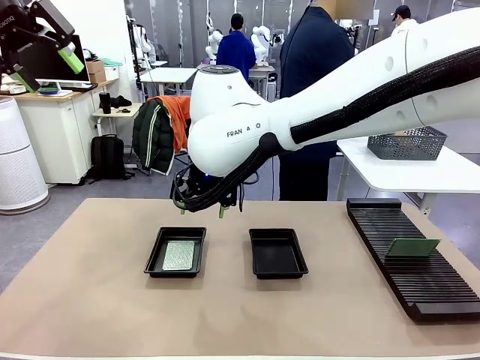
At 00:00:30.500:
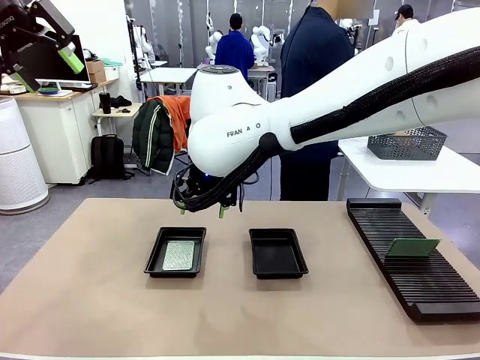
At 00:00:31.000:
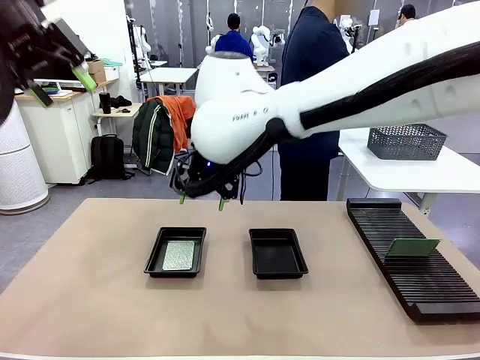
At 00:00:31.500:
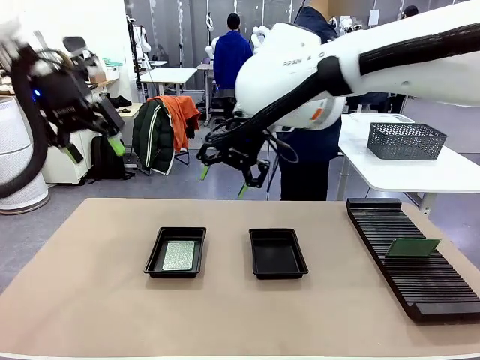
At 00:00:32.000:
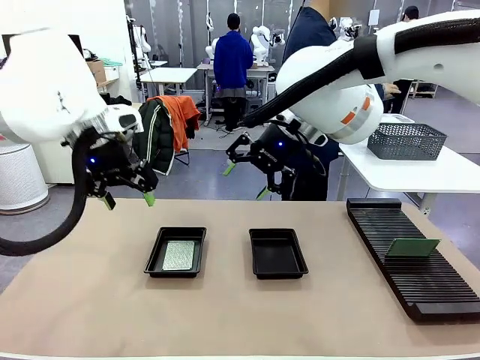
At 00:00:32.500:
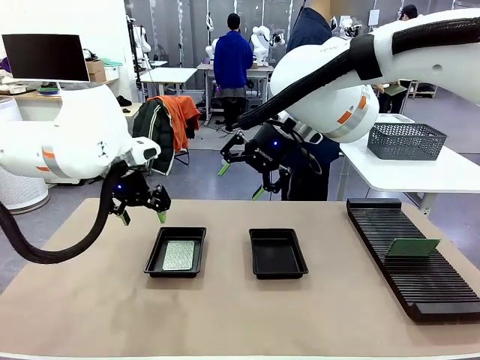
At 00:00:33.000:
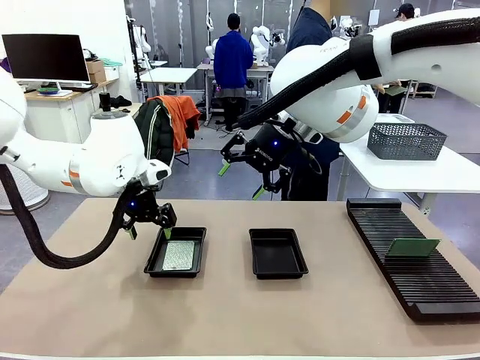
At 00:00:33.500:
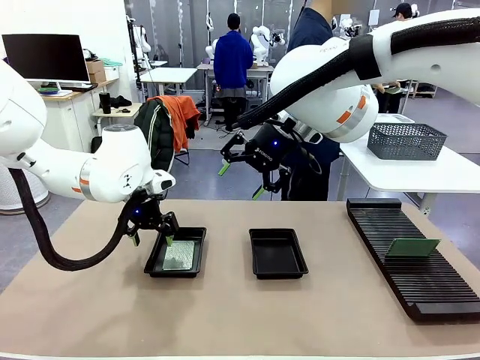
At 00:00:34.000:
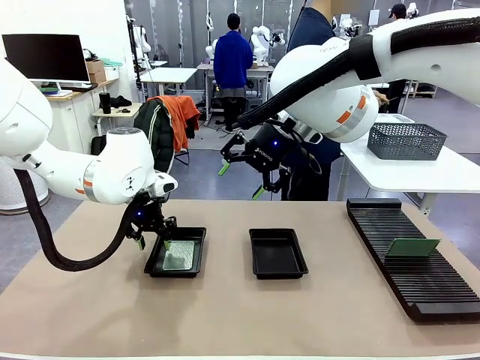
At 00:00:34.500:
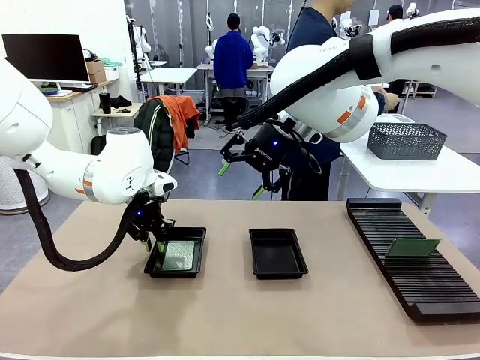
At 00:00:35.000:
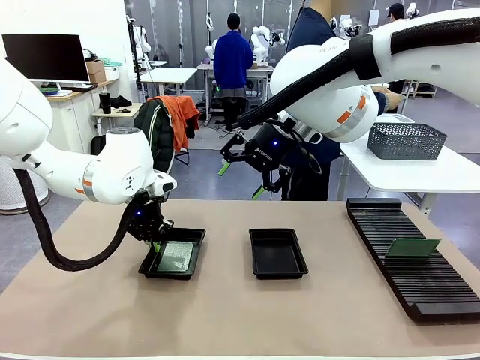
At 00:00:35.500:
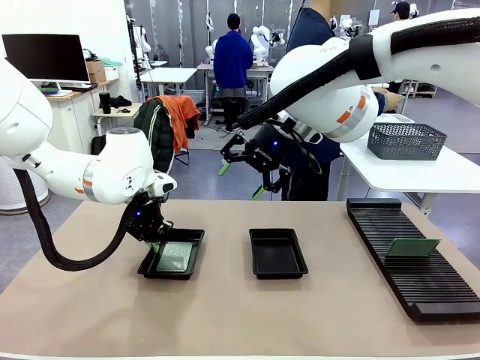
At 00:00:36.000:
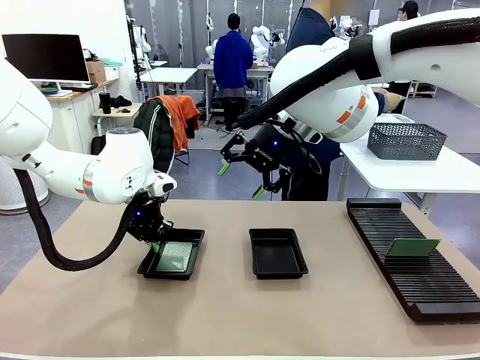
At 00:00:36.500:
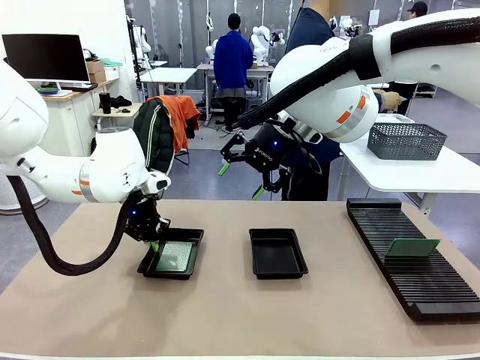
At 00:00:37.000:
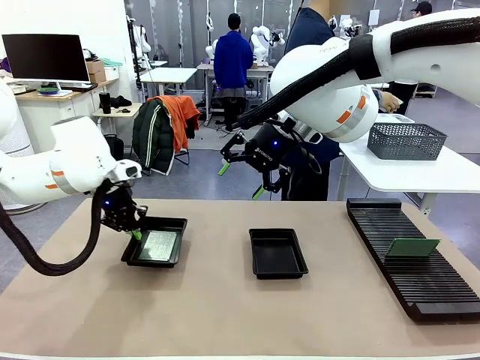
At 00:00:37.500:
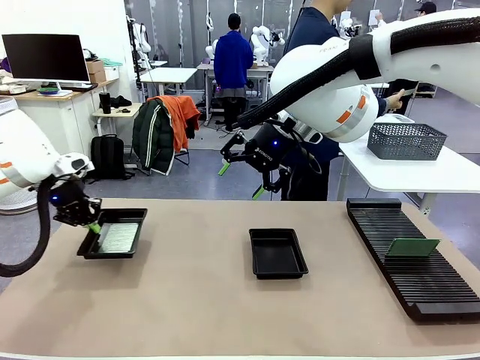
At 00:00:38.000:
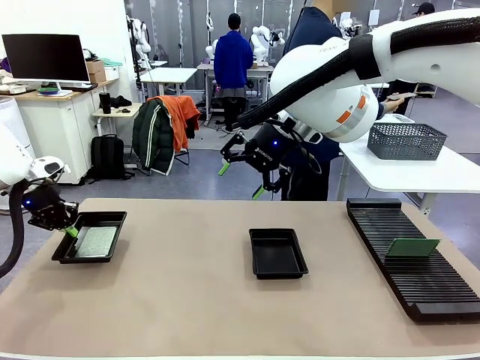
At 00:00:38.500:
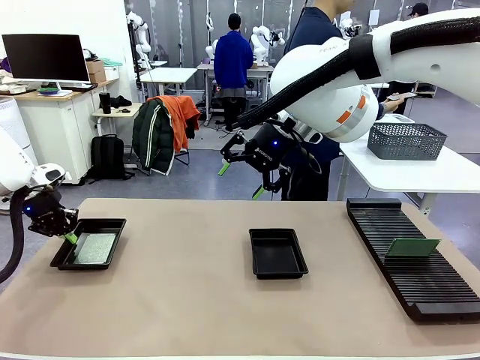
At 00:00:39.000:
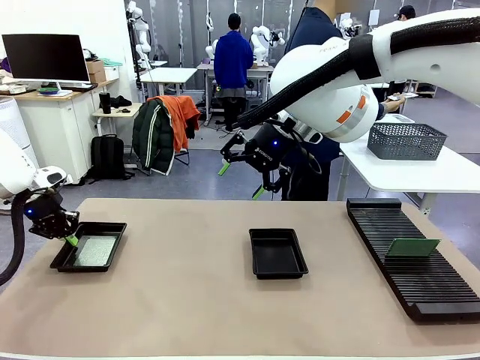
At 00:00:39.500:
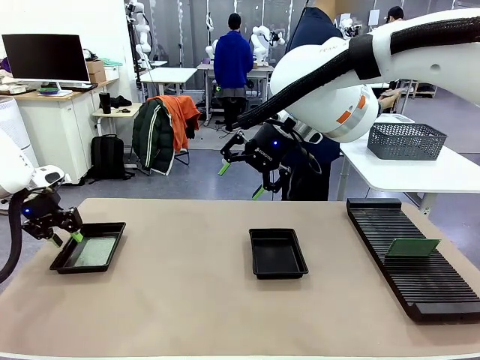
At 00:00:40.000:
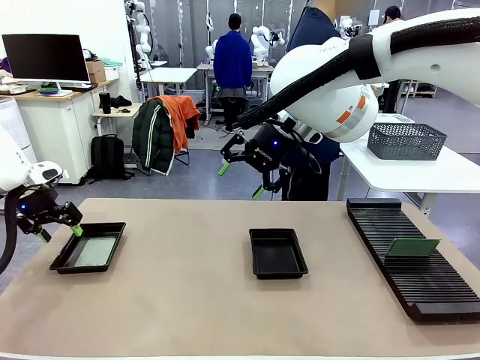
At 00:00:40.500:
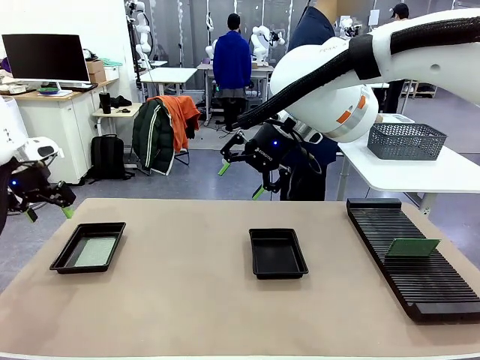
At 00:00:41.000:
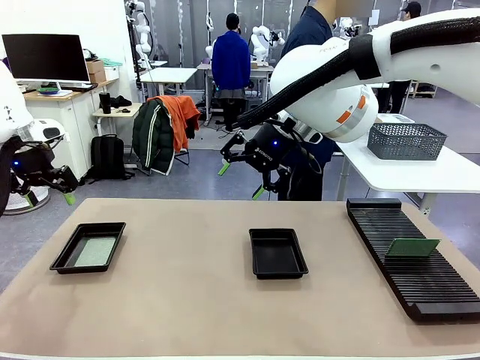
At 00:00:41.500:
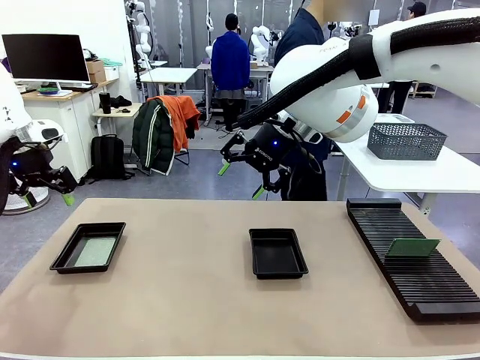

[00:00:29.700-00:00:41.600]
Task: Inspect and transfer BCBs to ESD trays.
Robot: Pick up the ESD tray and place it on the left side of the table.

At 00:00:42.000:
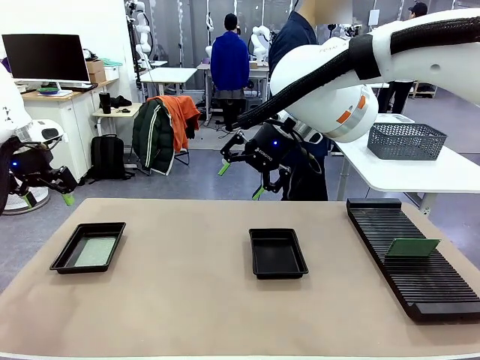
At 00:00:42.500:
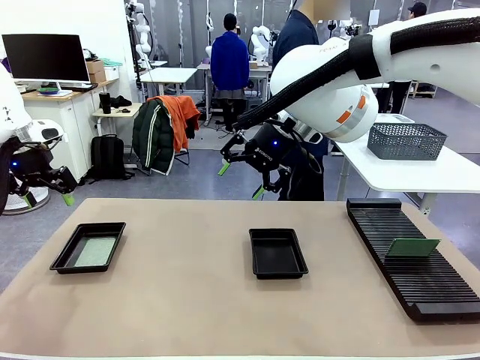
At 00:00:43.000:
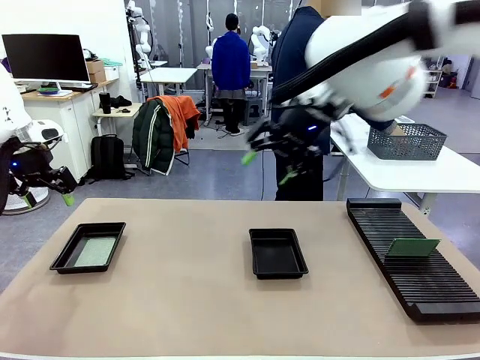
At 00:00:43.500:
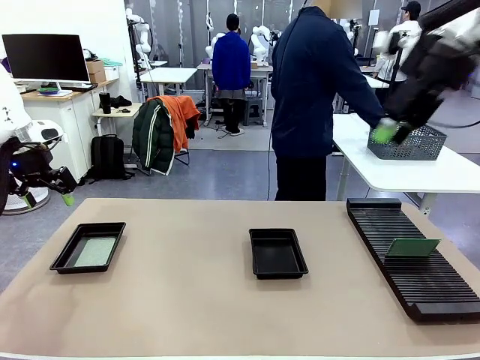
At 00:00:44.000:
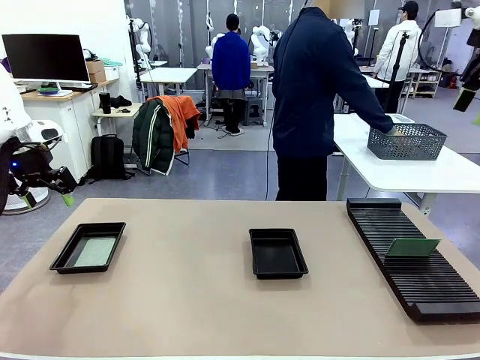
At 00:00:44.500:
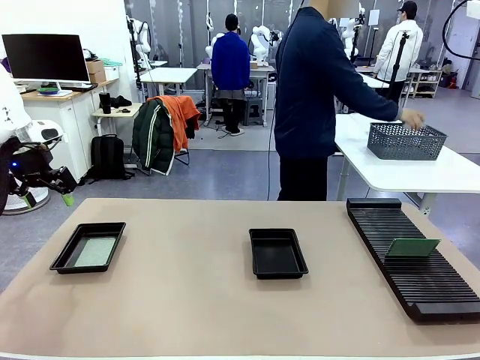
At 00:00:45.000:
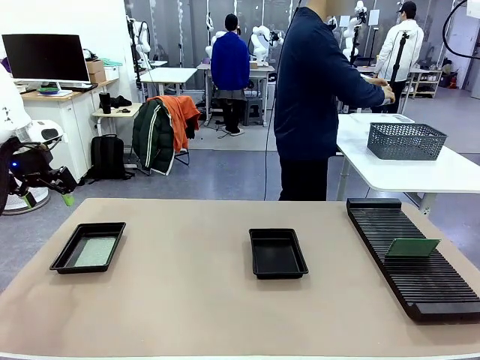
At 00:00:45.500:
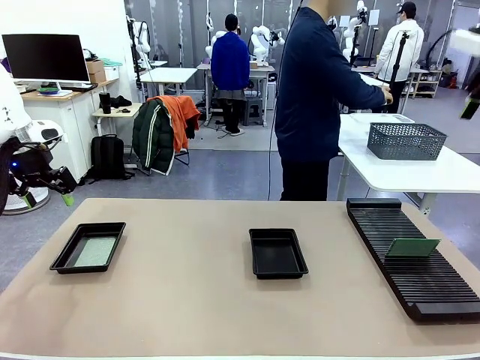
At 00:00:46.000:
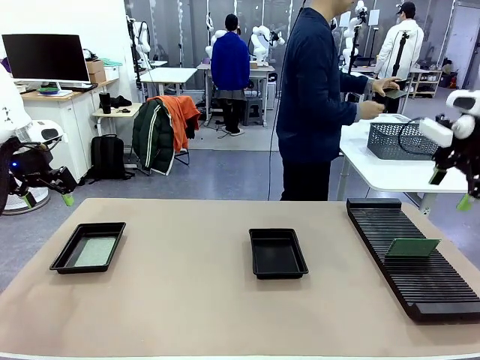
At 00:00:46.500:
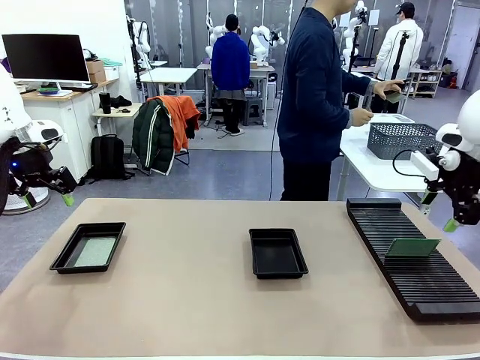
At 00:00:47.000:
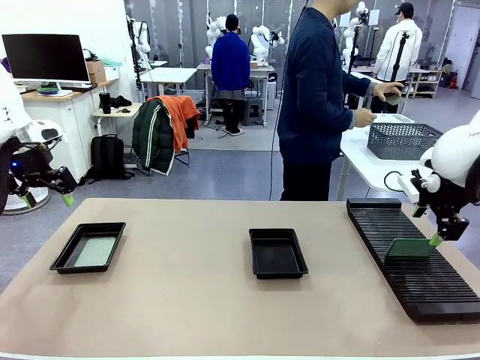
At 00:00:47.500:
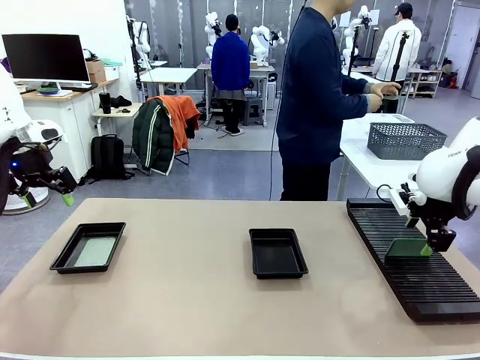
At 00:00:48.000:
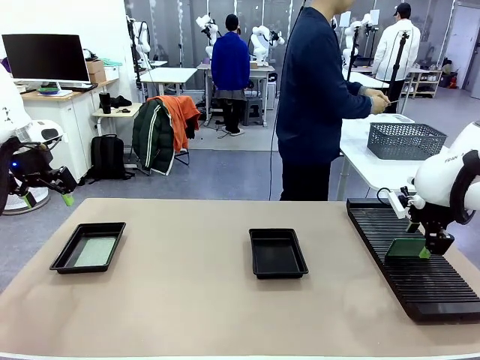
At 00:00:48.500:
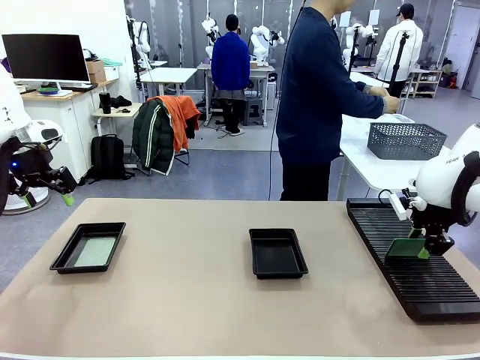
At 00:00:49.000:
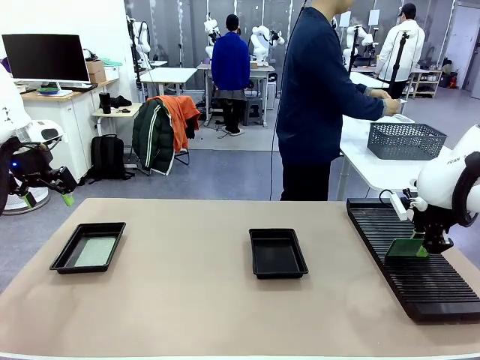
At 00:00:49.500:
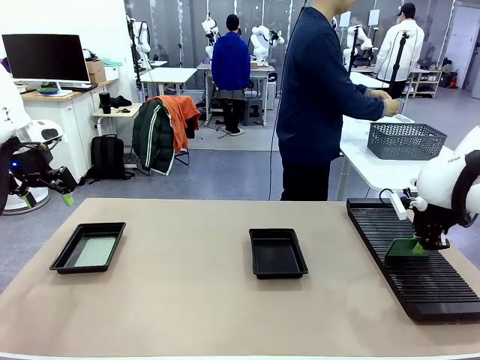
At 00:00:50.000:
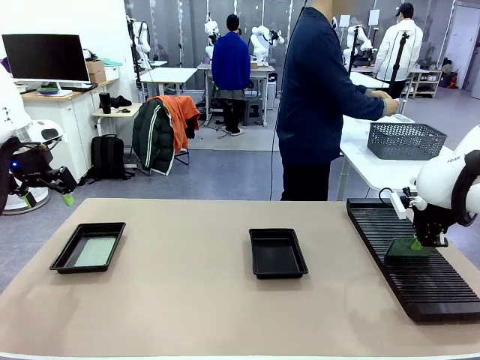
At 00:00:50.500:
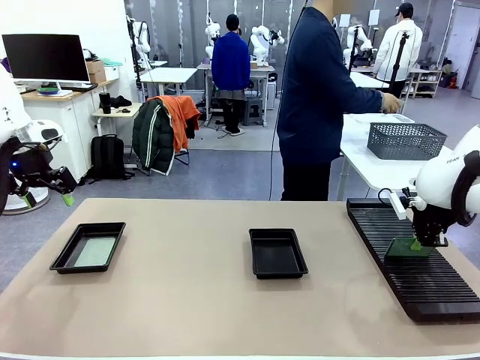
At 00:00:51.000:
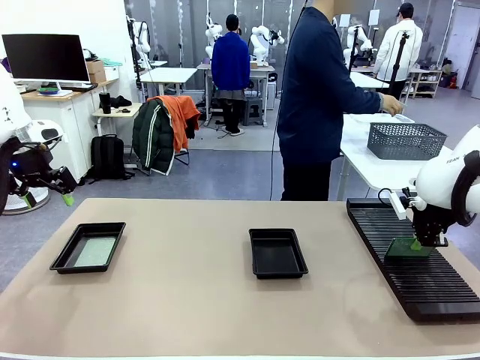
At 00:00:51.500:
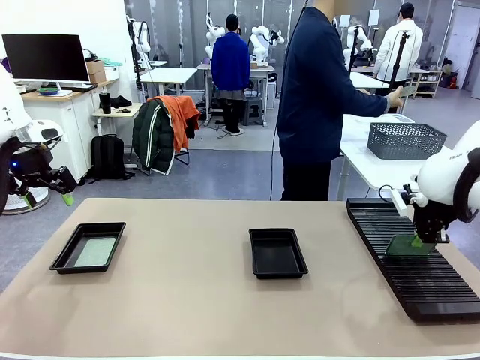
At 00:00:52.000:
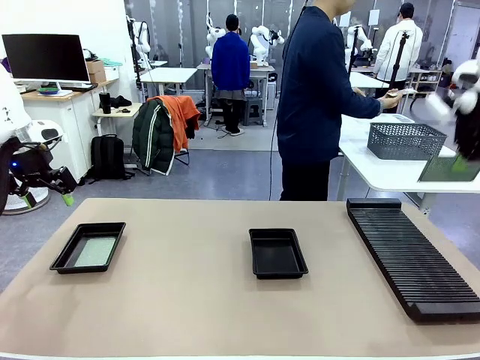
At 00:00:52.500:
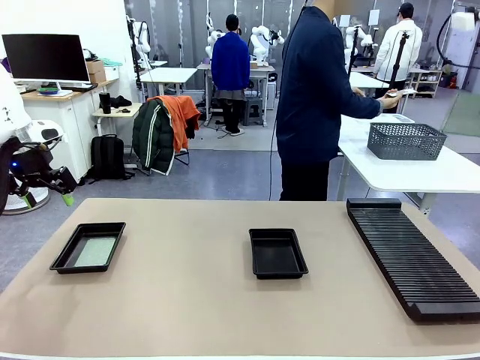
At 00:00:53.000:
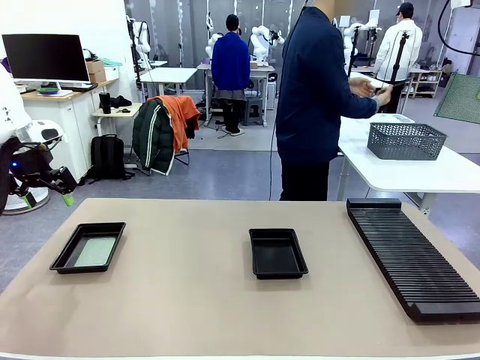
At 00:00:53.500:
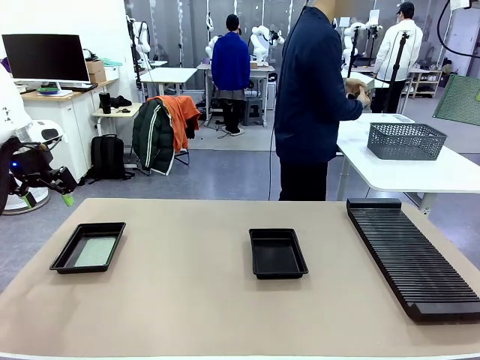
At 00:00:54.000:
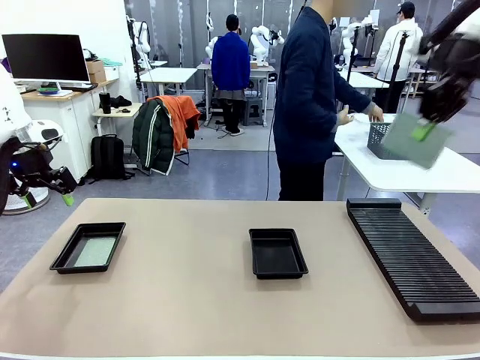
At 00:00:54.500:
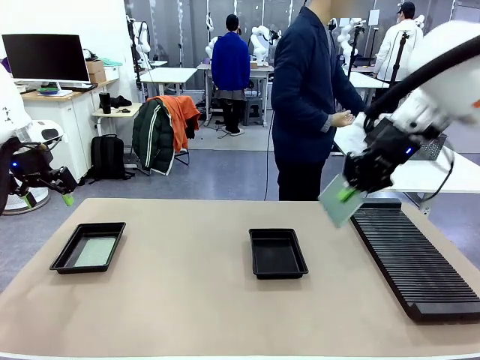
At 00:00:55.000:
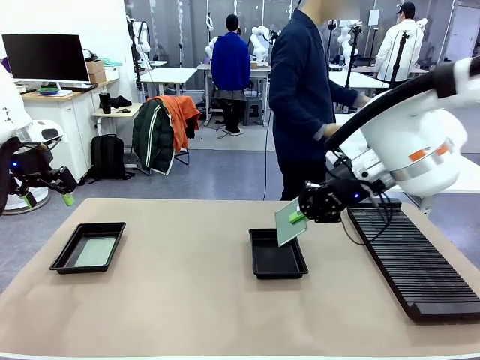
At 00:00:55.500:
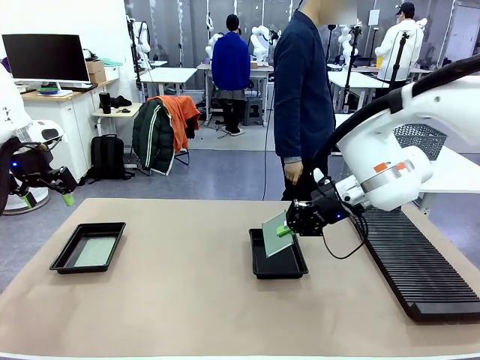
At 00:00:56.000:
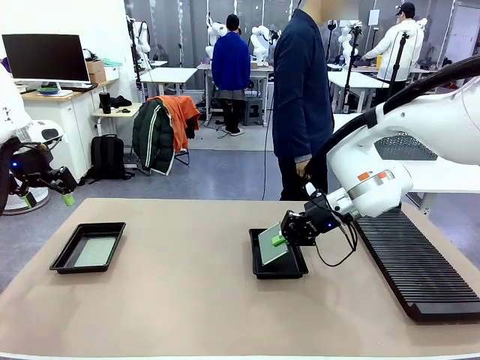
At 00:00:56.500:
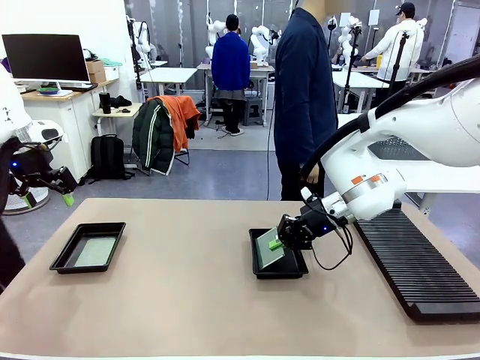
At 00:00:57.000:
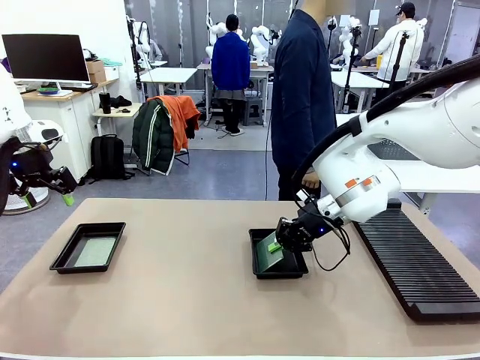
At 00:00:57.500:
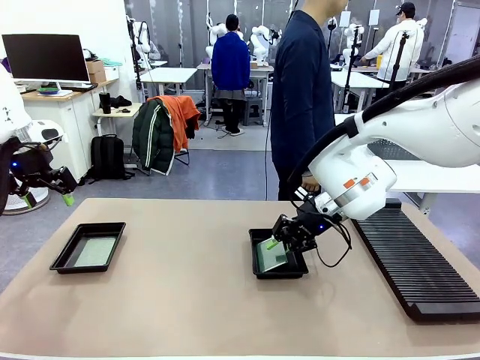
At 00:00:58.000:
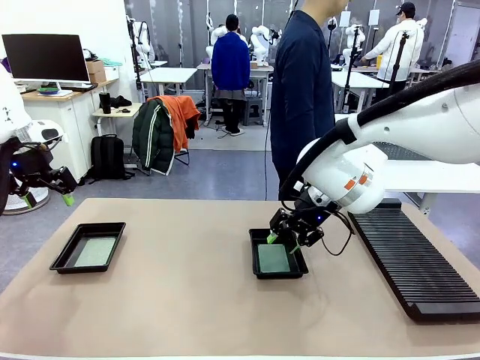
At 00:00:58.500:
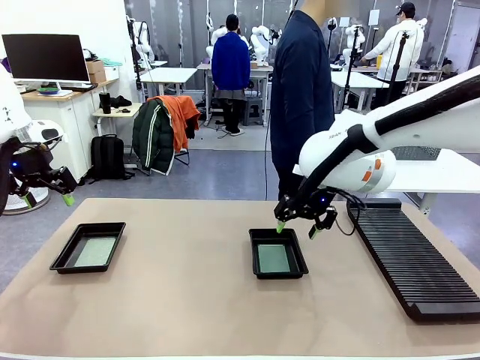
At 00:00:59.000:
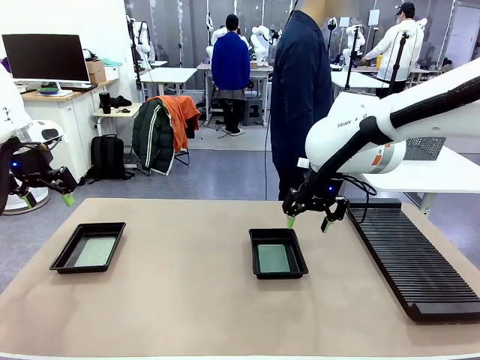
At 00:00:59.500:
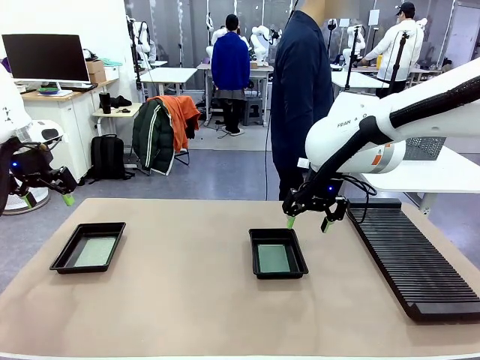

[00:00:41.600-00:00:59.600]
Robot: Pick up the Blank PCB from the PCB Rack and place it in the right ESD tray.
